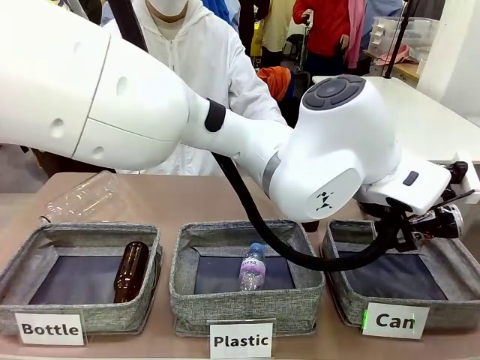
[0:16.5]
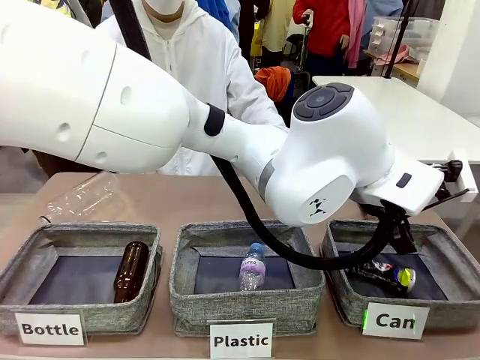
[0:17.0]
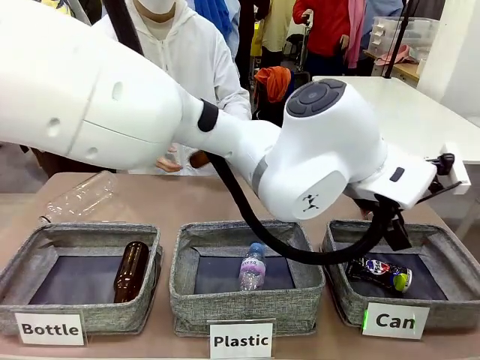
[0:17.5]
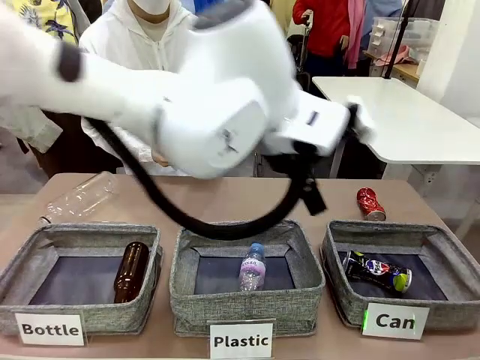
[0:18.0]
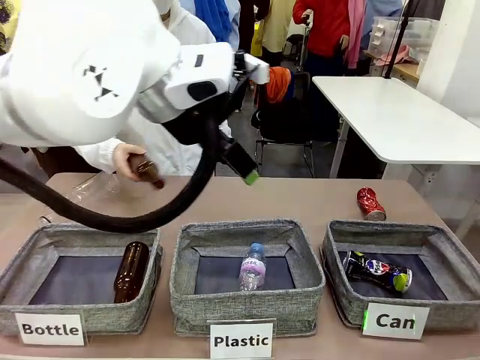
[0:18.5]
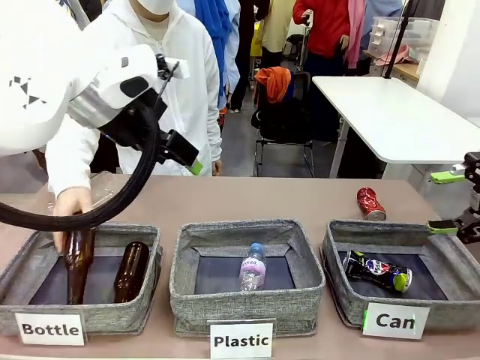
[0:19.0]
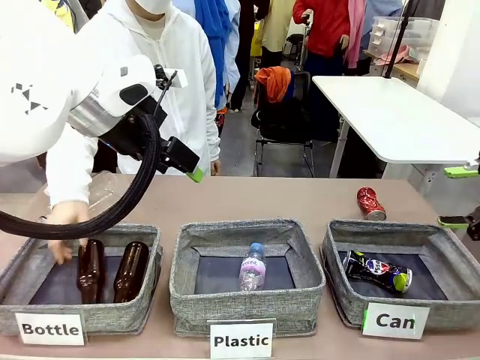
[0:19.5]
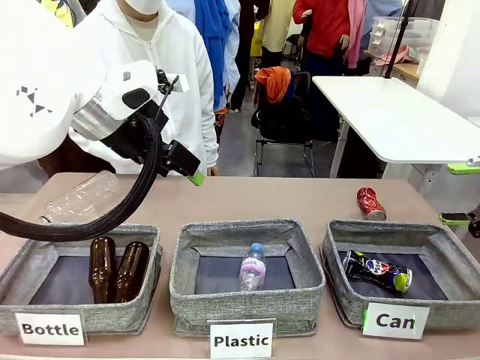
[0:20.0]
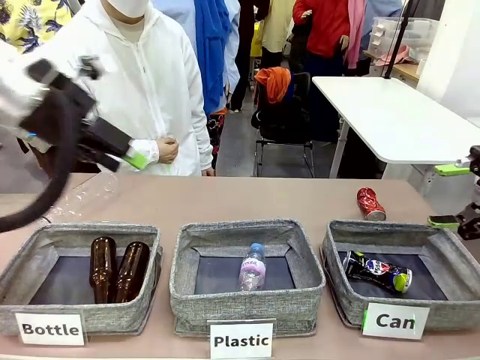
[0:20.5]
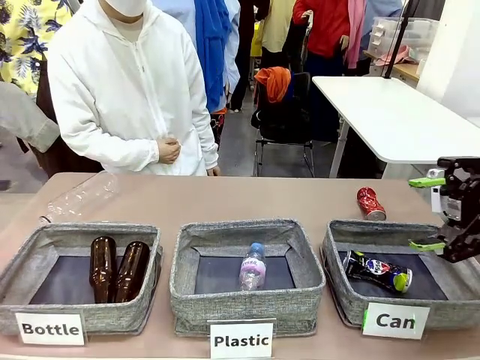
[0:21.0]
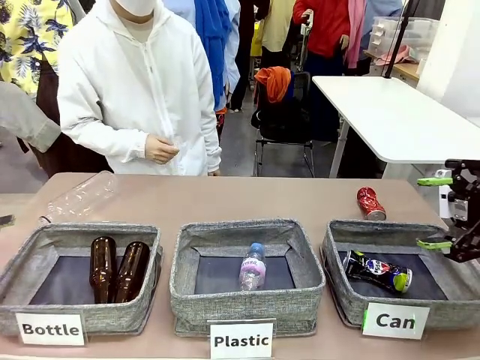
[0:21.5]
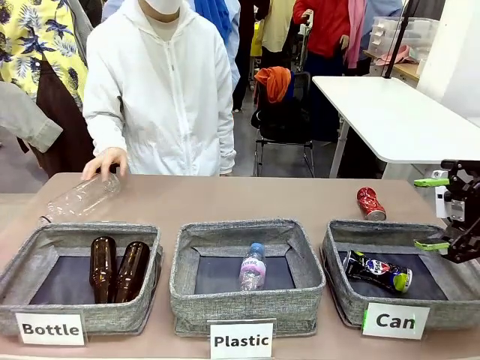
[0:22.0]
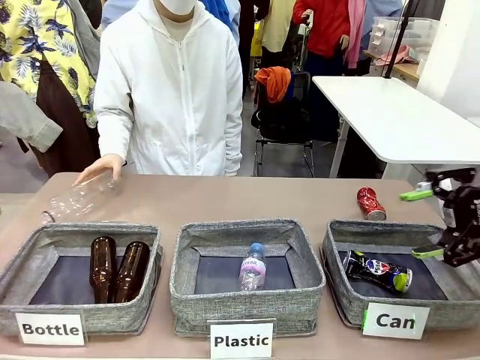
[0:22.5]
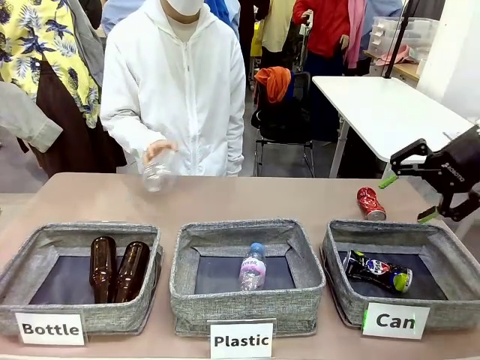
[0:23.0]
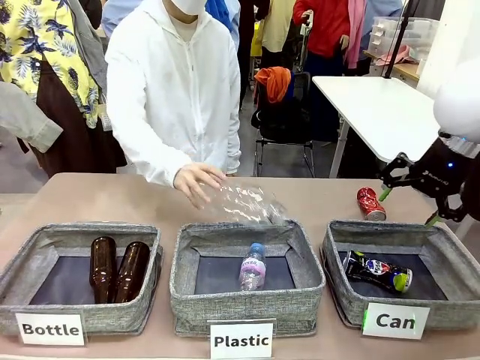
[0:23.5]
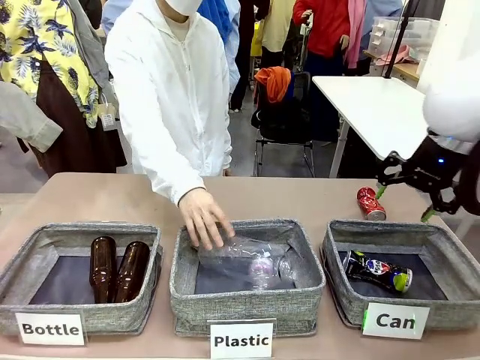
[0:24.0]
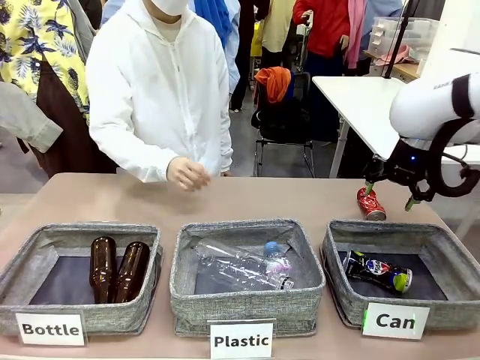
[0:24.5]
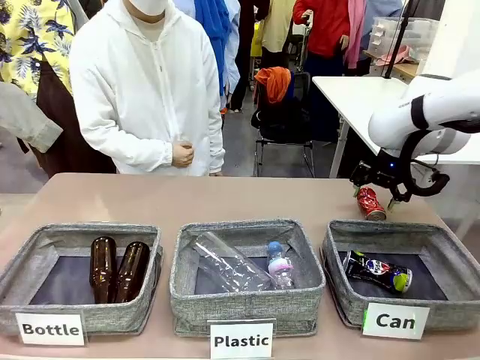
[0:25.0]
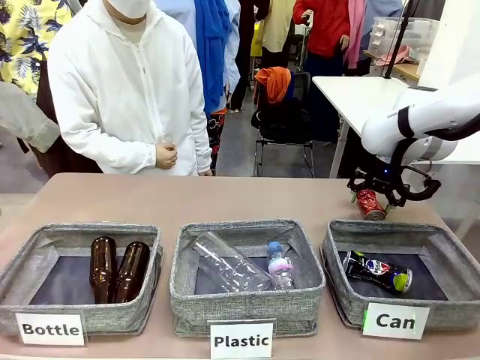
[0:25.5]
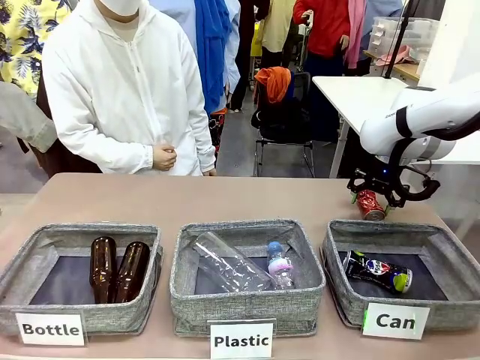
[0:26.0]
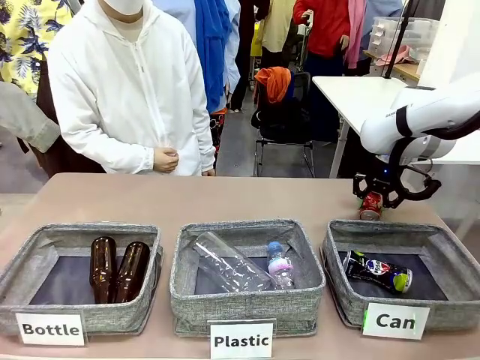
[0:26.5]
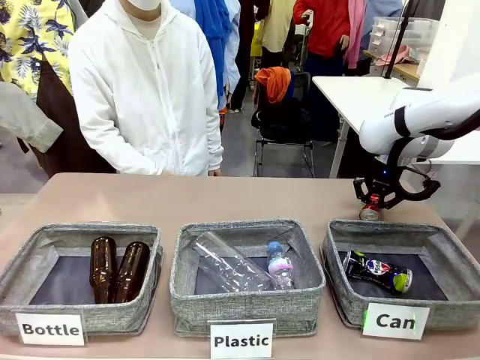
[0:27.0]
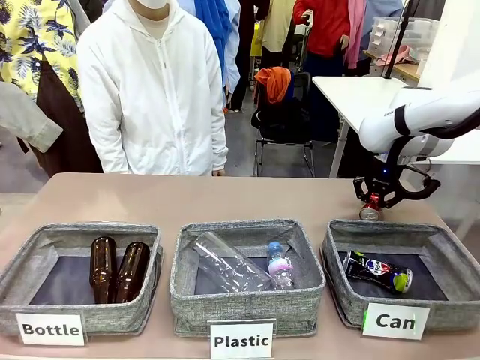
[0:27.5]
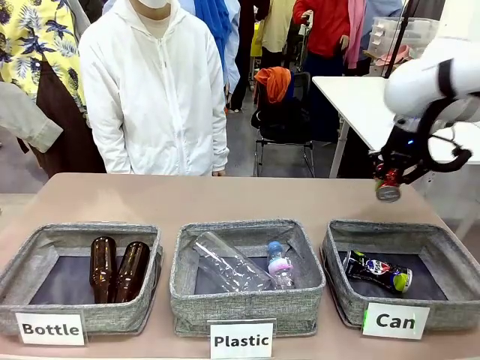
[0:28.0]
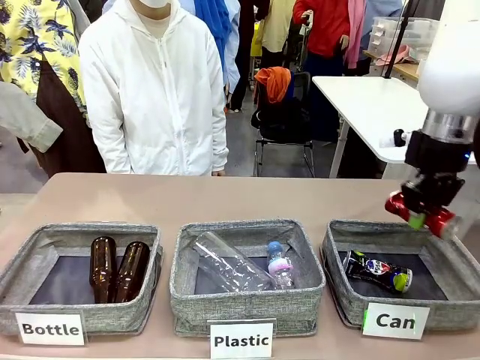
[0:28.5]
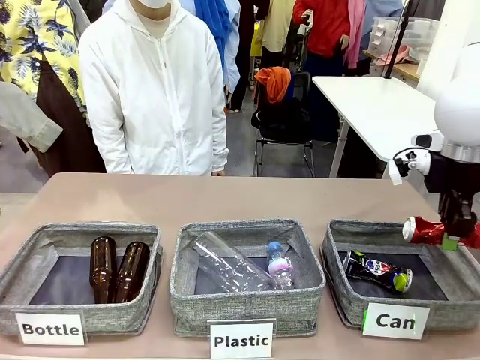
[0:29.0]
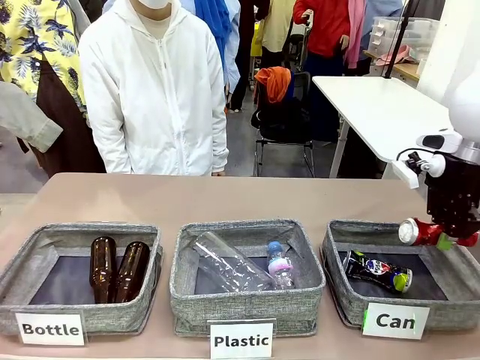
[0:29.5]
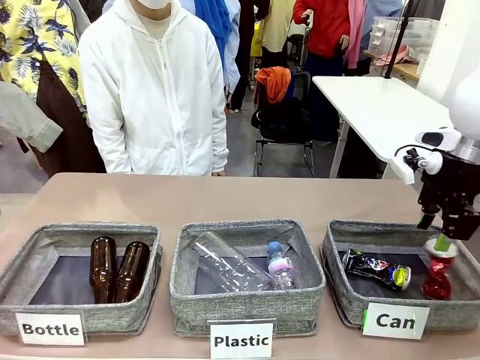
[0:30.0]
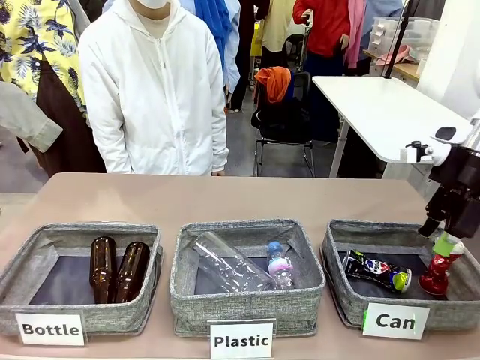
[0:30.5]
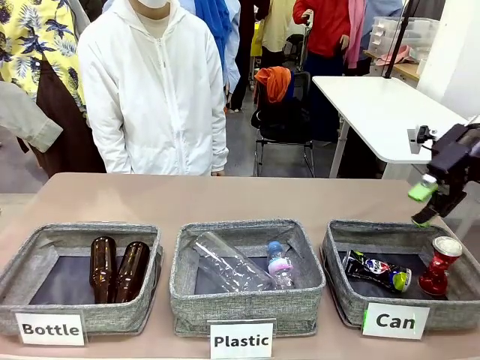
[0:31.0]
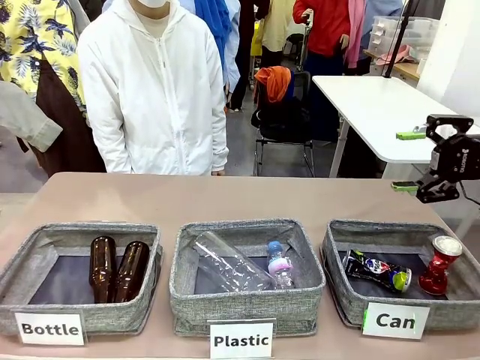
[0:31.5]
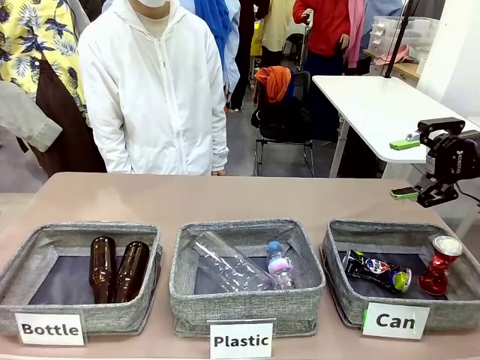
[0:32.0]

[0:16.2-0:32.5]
Task: Sort the can waste into the basket.
Robot: Pick up the can waste from the table and place it in the right Fabric basket.
Person: The human picks up one piece of trash that is not a can and places the trash into the appropriate organizing basket.

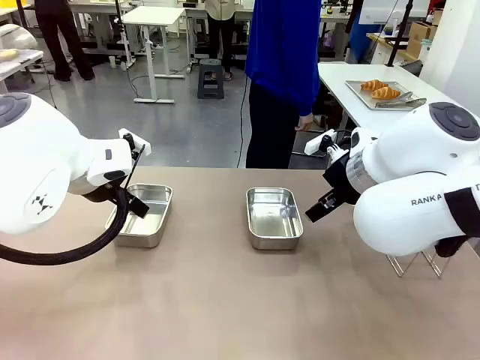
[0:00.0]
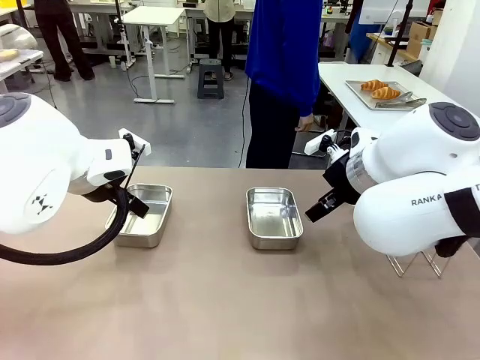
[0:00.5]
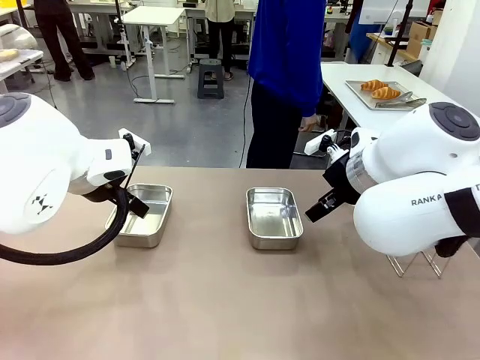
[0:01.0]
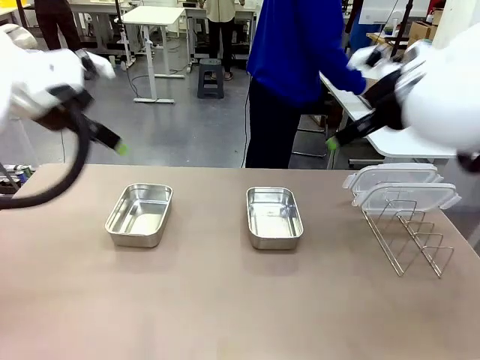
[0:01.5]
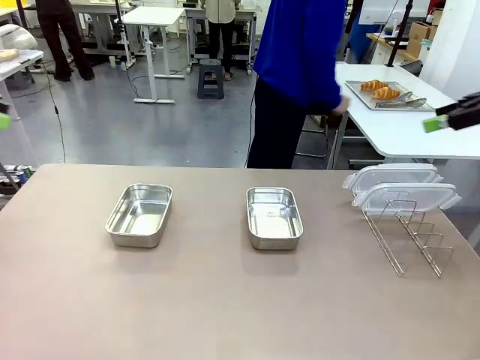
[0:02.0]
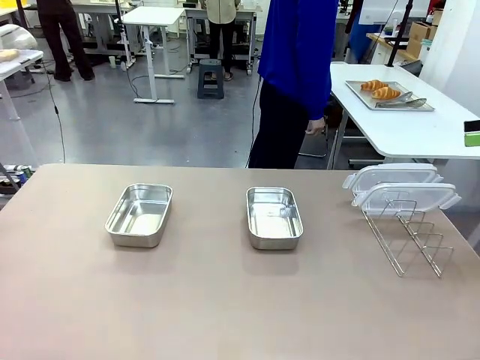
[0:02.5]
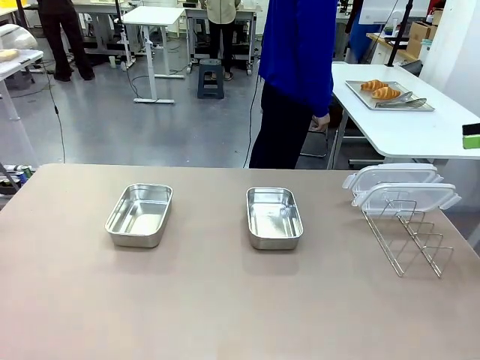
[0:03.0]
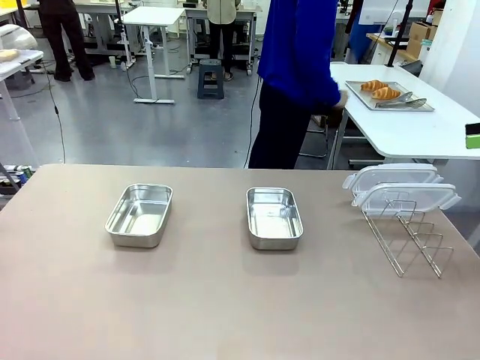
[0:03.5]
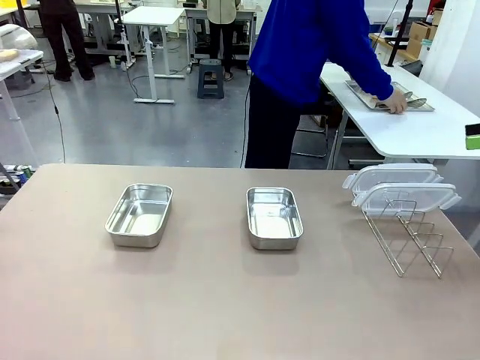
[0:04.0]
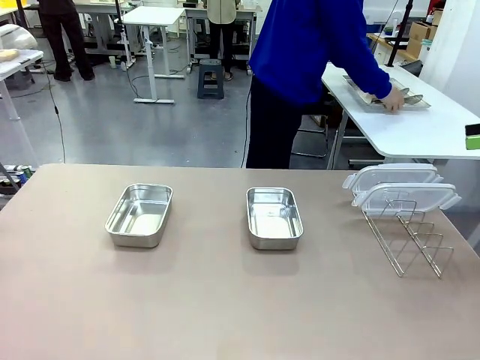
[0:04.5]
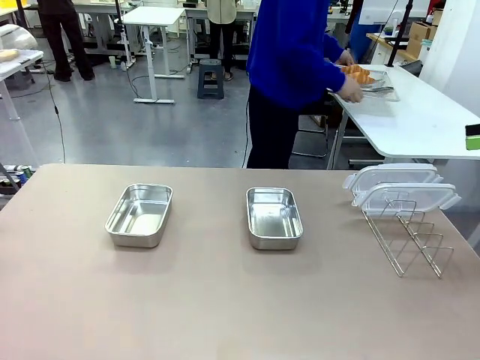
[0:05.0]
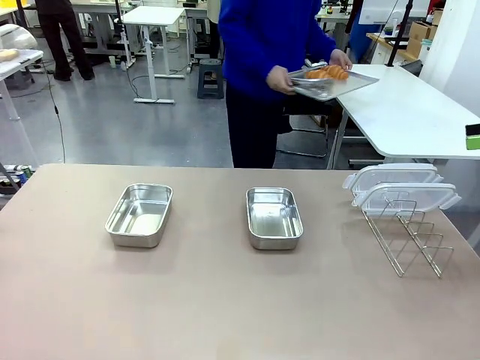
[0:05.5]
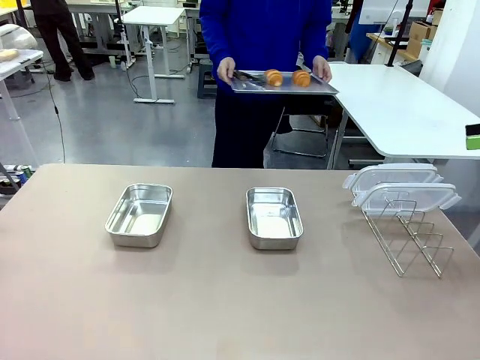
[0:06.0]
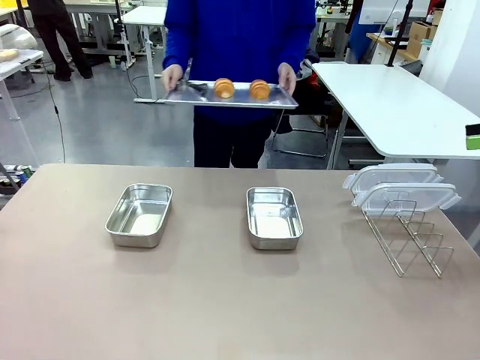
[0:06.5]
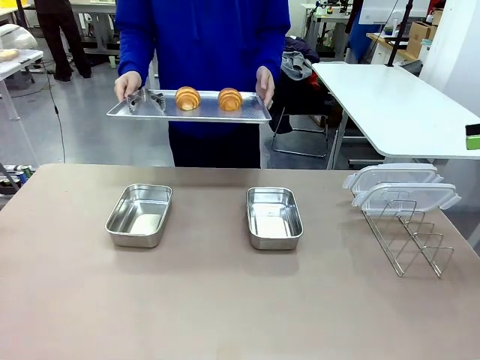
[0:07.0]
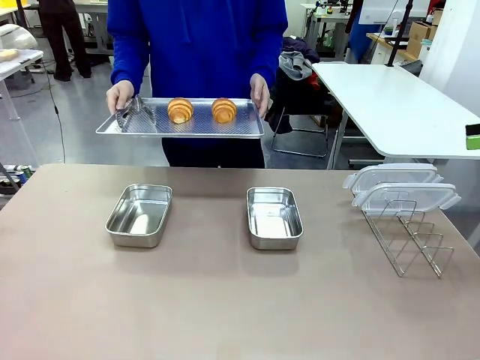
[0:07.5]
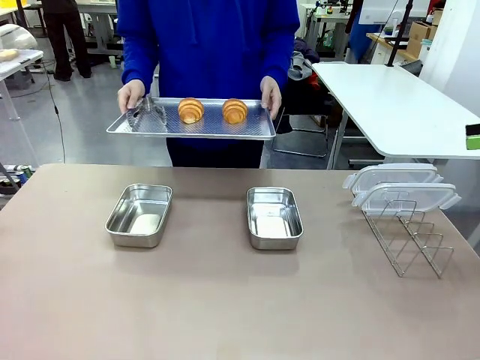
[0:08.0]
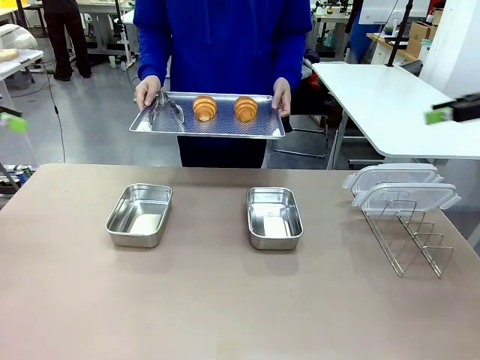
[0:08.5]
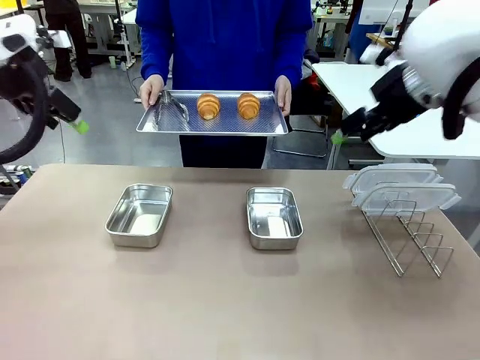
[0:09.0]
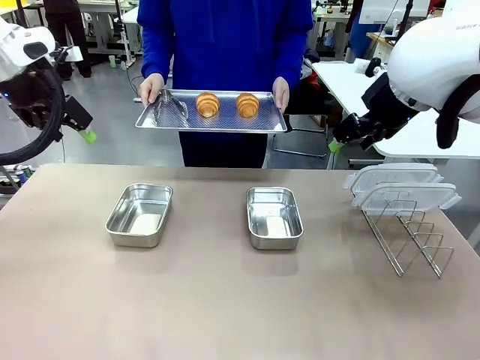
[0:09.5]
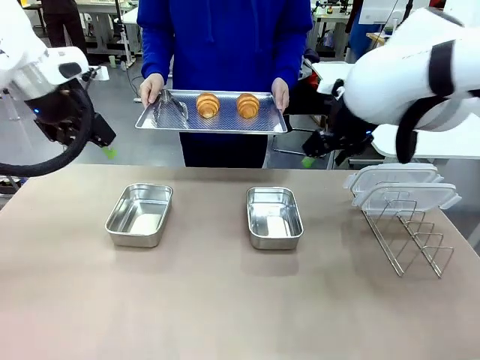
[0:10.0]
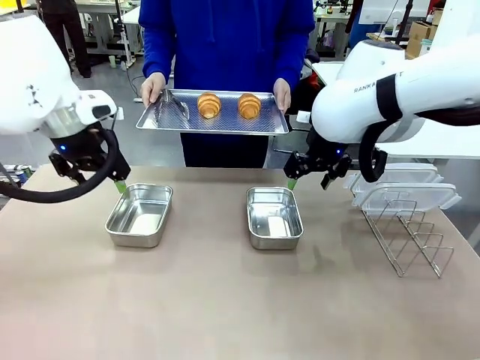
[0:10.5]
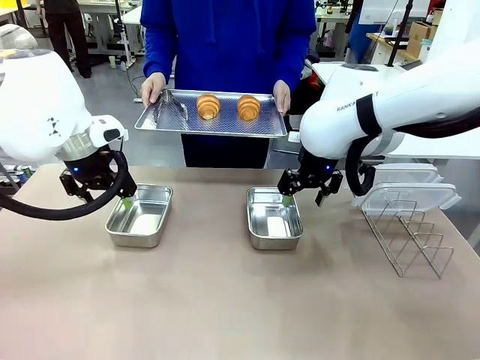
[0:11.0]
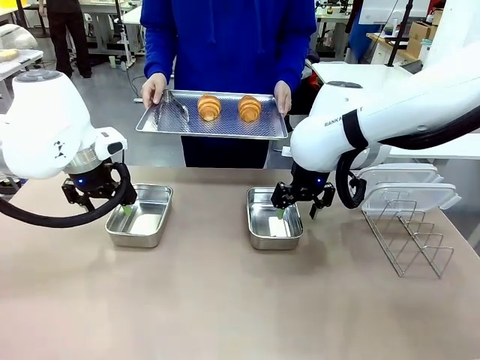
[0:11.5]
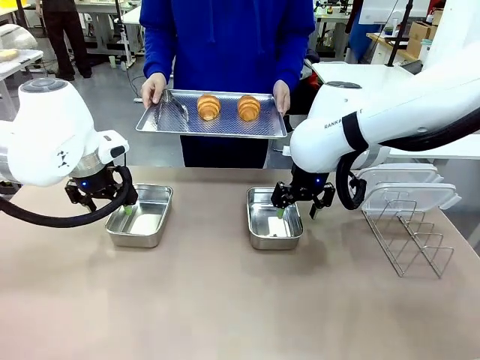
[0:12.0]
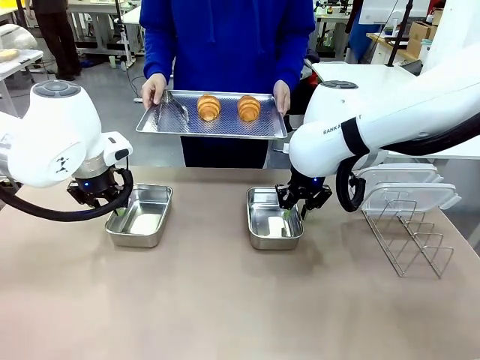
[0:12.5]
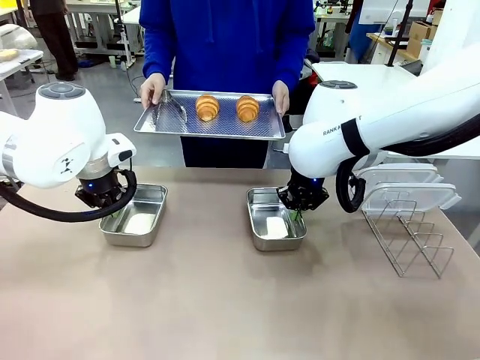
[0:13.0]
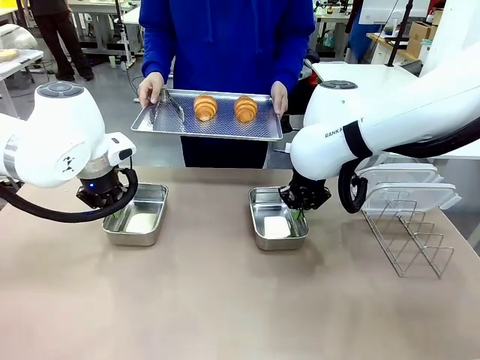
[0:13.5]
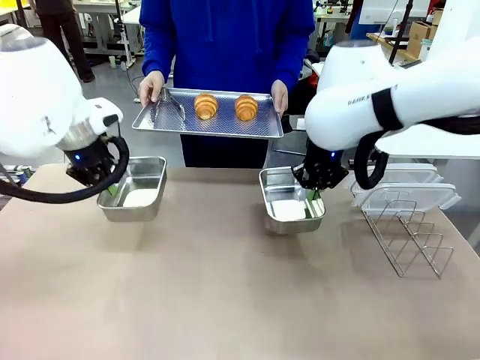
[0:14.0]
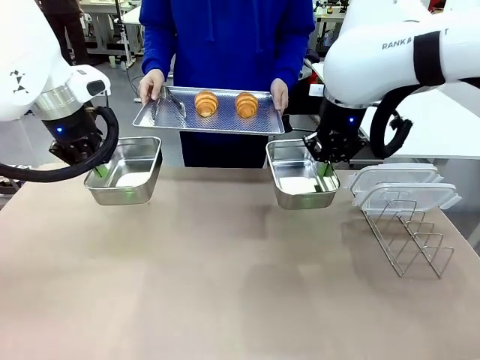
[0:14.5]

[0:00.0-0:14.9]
Task: Place the bread in airtight containers.
Robot: Lift both Airtight Container.
Person: Bring the Baking Sheet in front of Robot's Table.
